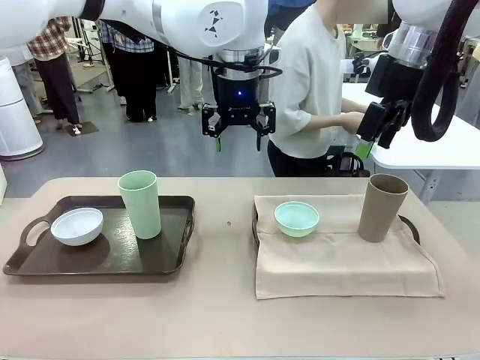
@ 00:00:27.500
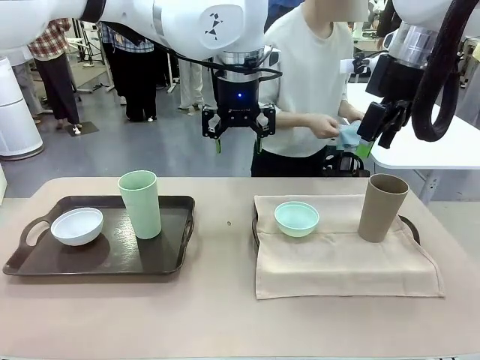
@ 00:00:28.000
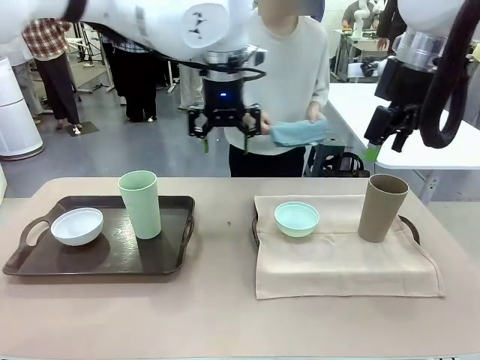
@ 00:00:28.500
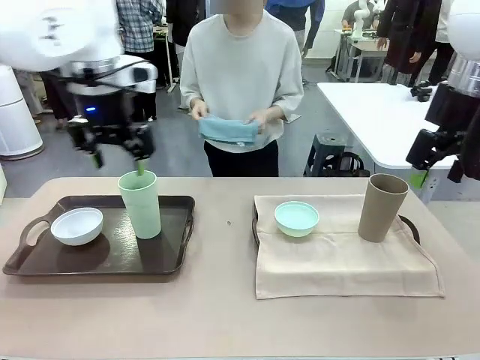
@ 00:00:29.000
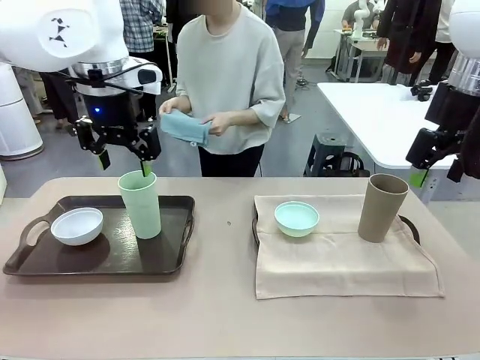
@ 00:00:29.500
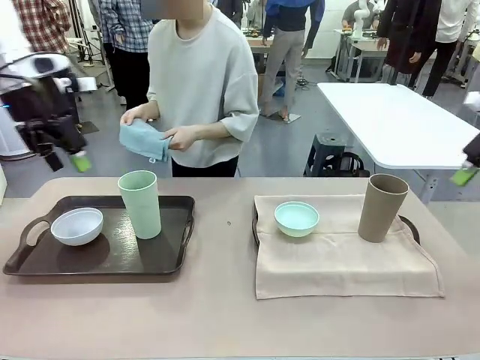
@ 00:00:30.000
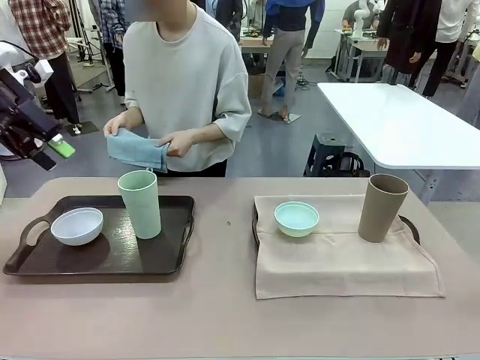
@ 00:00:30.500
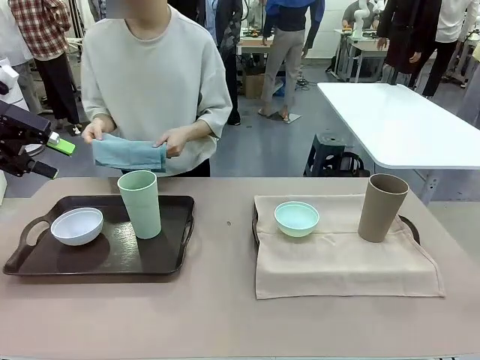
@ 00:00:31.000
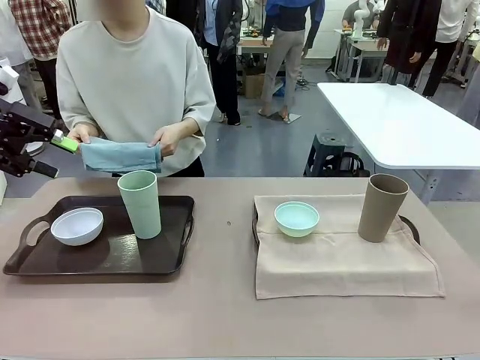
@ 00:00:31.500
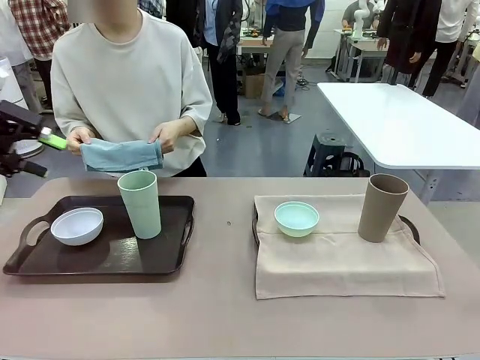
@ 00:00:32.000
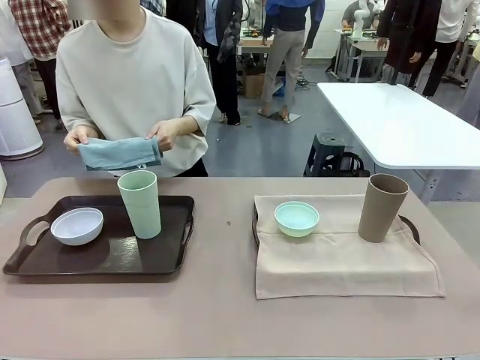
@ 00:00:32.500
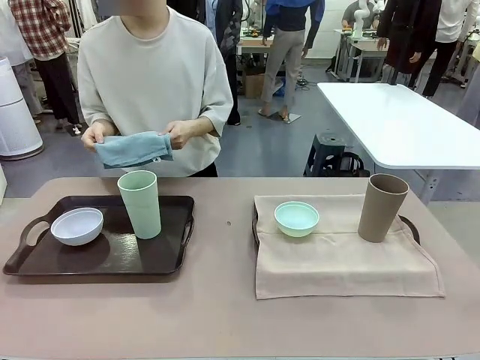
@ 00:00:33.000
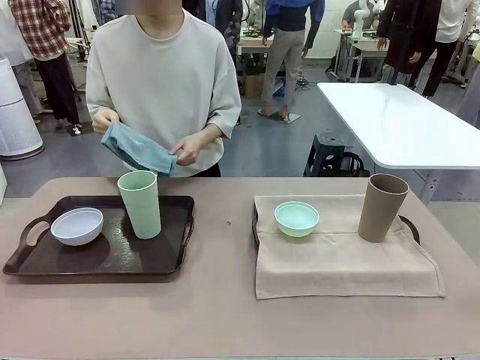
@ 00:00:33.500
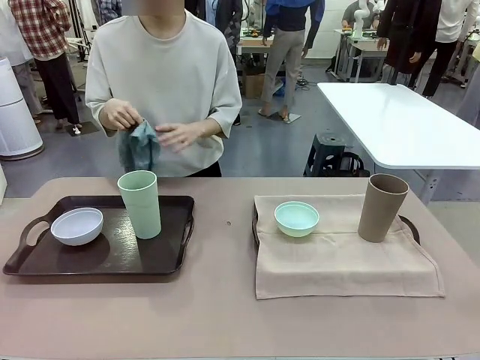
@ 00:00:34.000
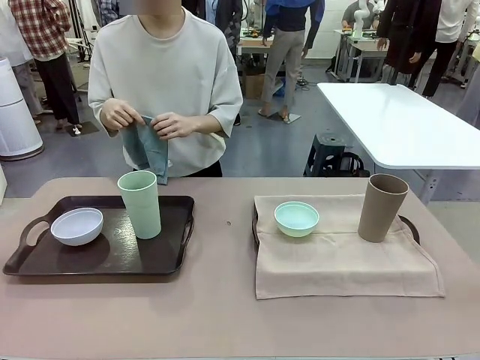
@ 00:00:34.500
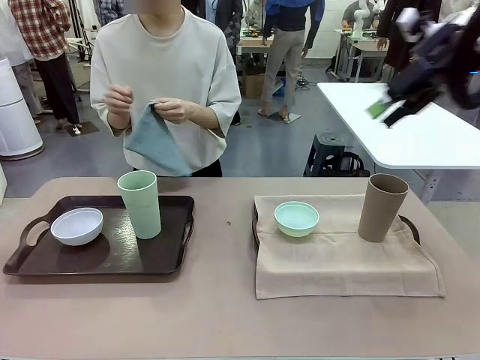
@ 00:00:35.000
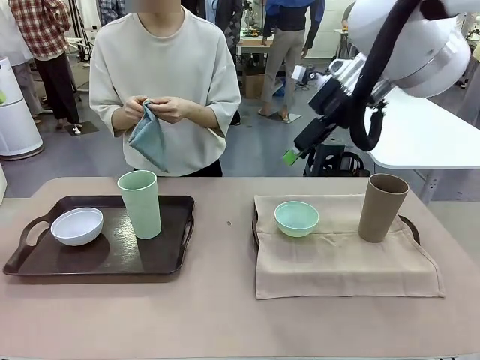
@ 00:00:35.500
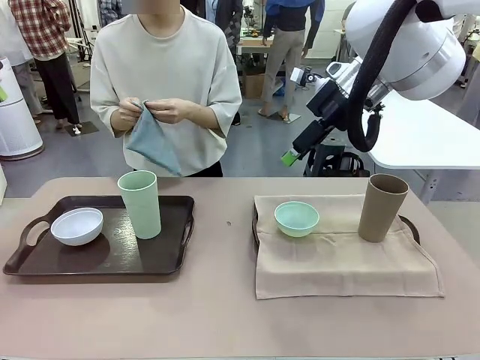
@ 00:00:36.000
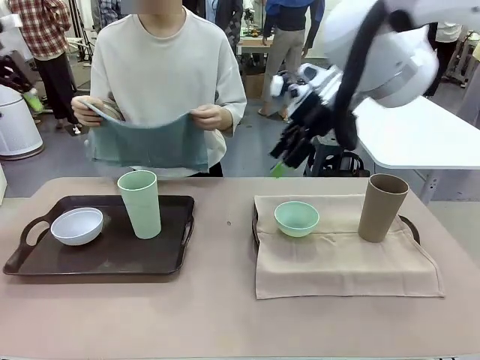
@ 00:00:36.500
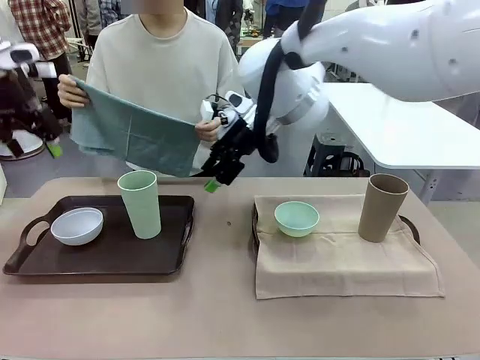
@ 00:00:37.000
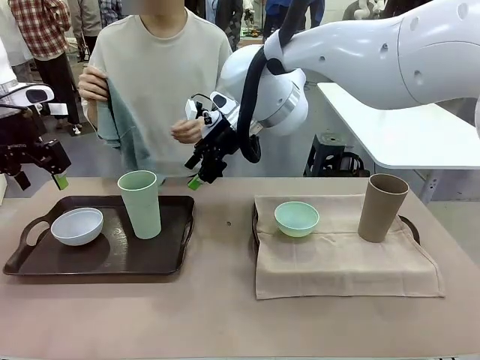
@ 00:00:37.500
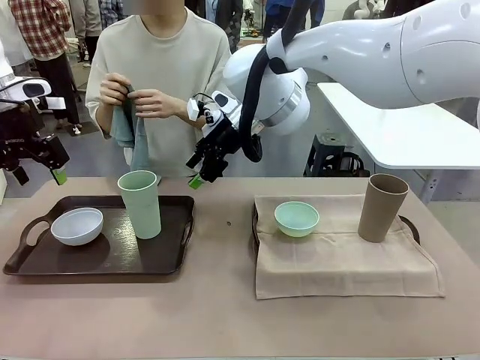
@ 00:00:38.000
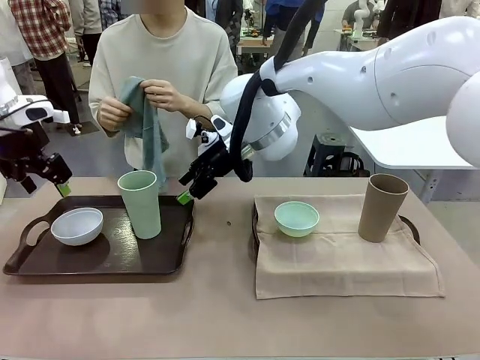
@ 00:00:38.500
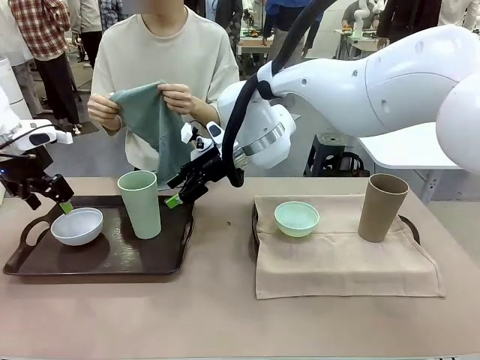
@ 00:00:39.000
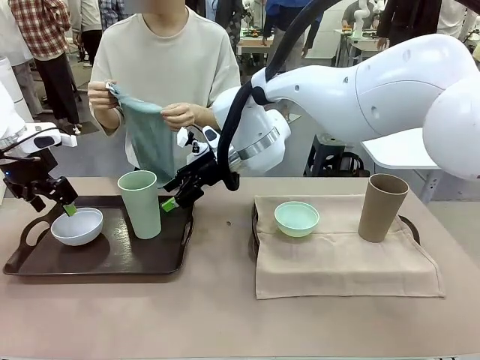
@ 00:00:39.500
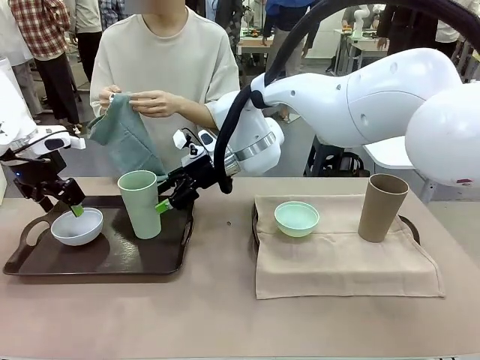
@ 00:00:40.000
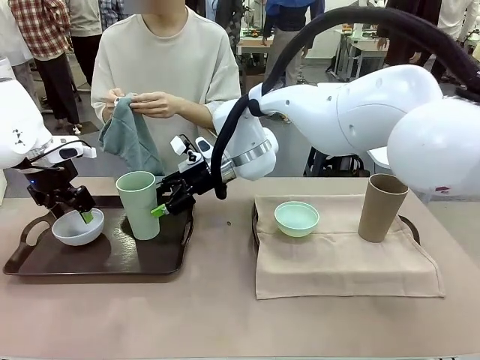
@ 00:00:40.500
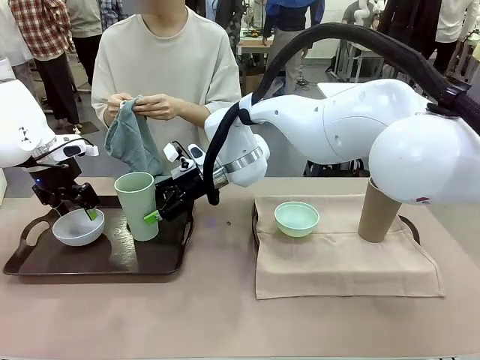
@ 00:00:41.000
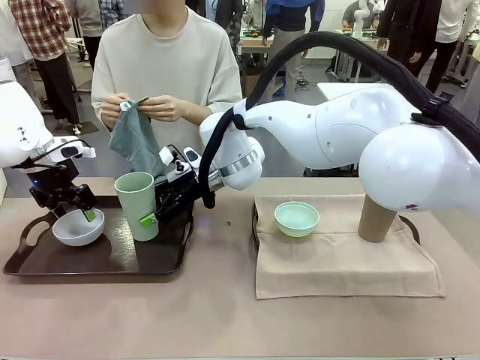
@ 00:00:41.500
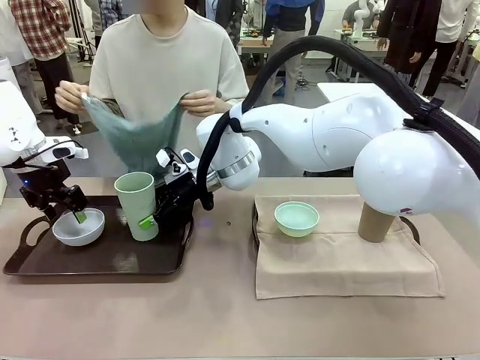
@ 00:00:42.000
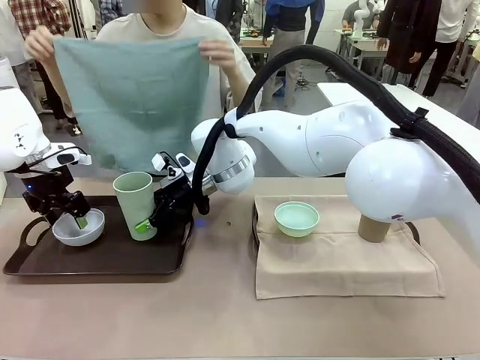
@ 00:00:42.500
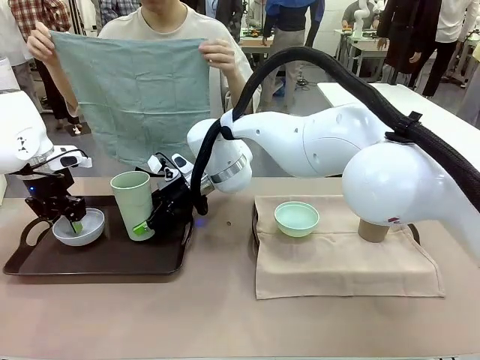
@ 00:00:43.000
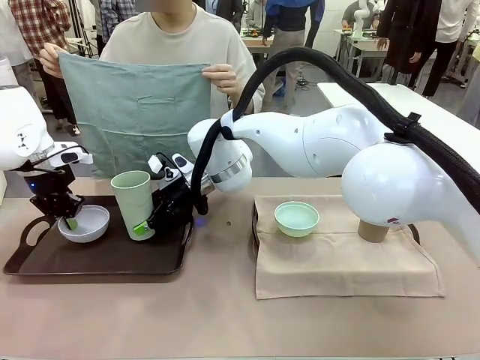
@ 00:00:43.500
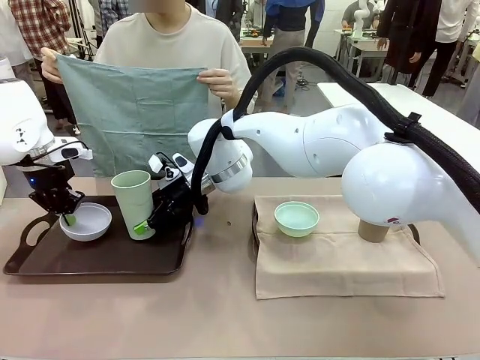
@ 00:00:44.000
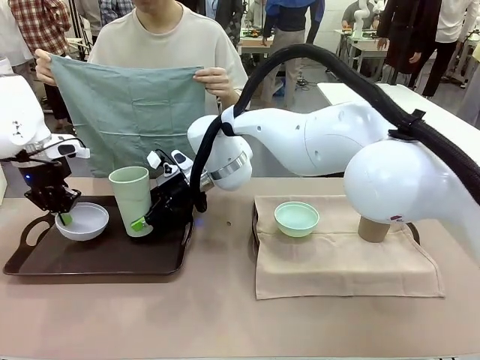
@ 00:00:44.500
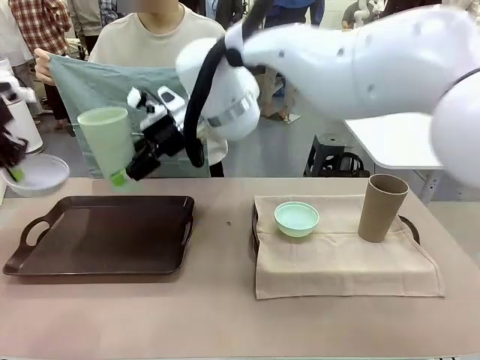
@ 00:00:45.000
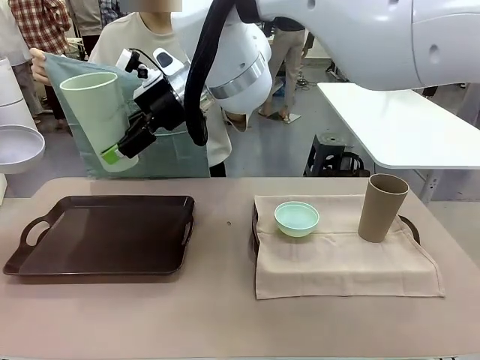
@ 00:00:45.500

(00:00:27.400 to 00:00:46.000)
Robot: Pick up the Picnic Bowl and Reusable plastic cup from the Handle tray in front of the human's position and hold them in the air.
Person: When the robot lifts the bowl and the cup, the human unfolds the napkin and lays the napkin flat on the tray.

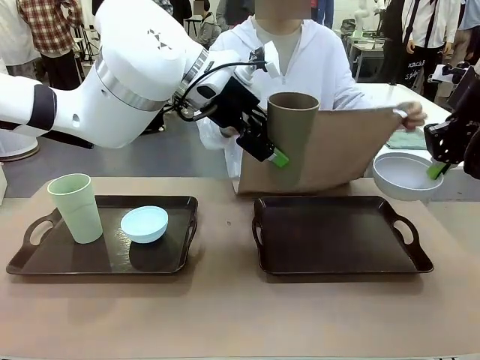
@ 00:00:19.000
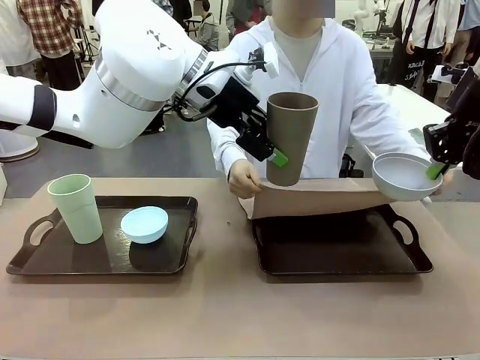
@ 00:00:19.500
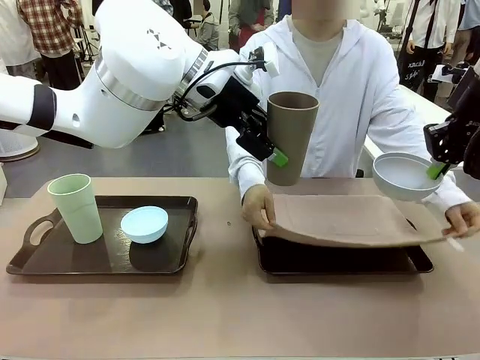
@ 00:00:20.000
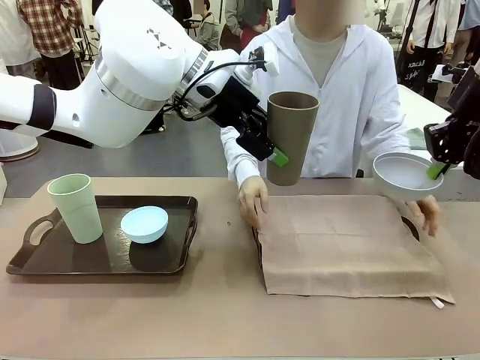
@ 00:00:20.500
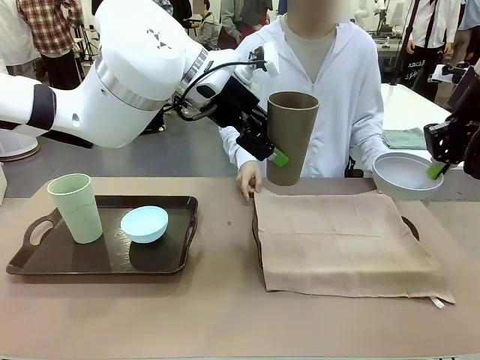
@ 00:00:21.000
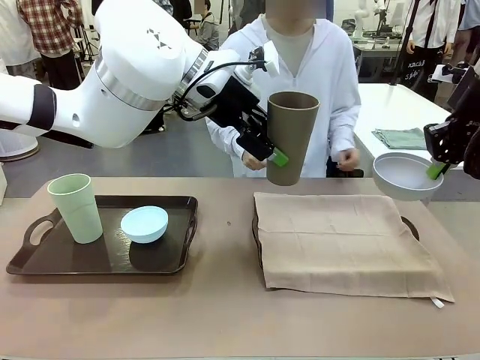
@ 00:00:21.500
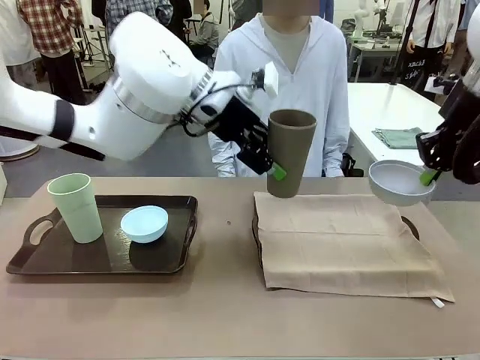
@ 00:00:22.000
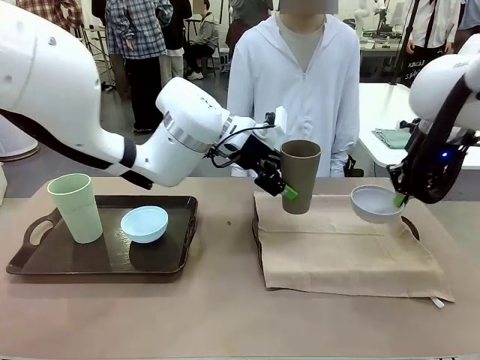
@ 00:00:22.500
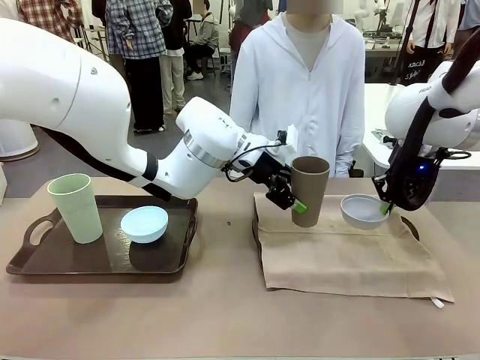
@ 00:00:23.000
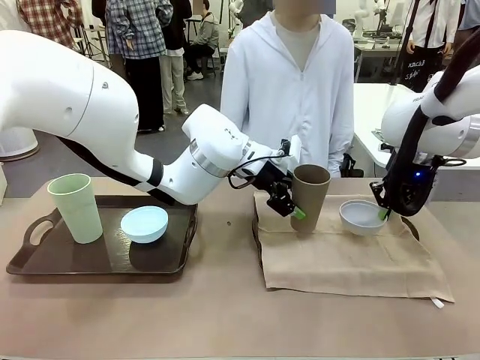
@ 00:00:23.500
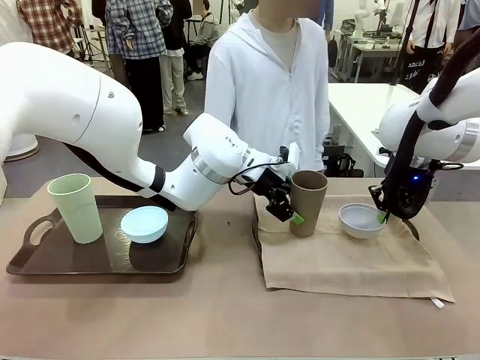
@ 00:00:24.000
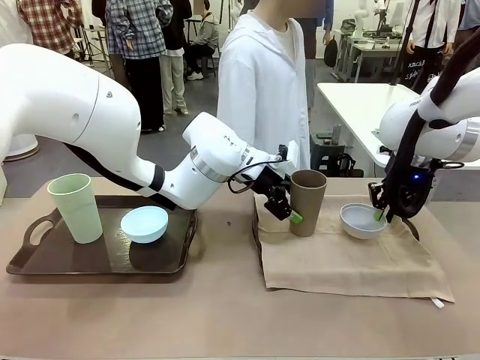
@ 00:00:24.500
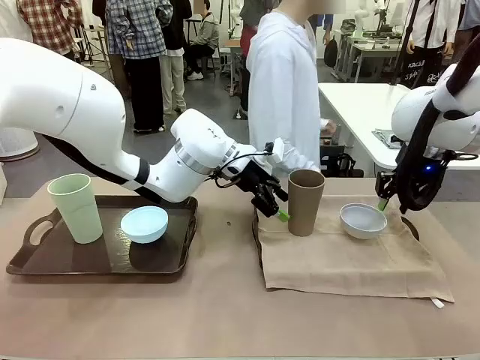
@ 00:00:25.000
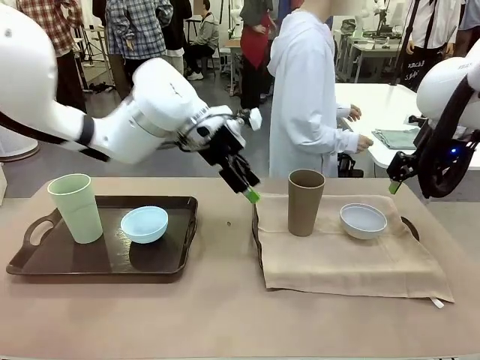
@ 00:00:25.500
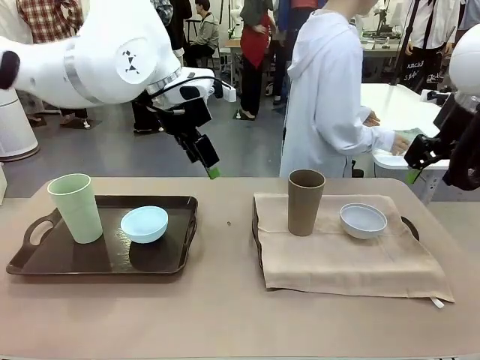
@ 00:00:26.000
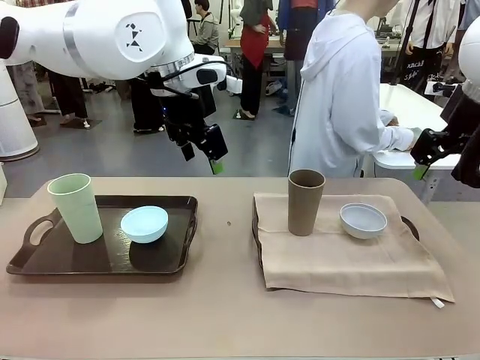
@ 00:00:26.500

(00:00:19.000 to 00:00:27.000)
Robot: Place the Picnic Bowl and Reusable plastic cup back onto the Handle tray in front of the human's position.
